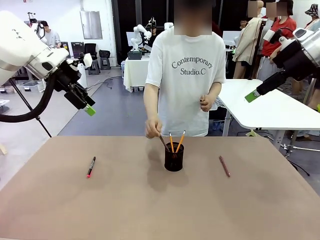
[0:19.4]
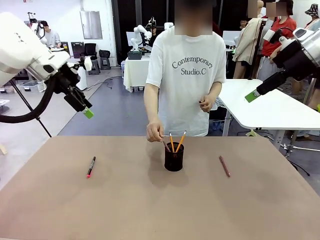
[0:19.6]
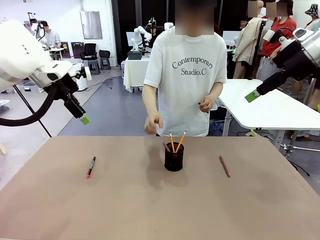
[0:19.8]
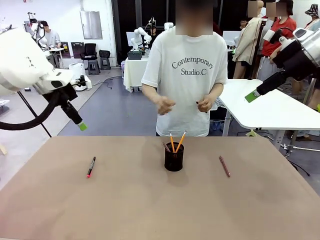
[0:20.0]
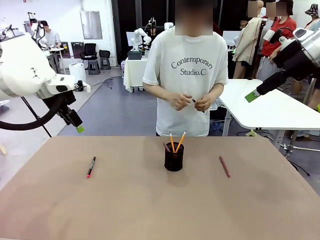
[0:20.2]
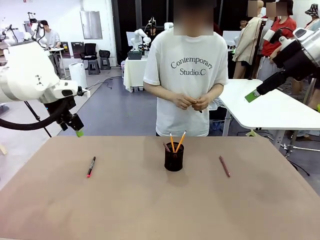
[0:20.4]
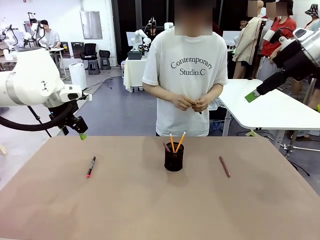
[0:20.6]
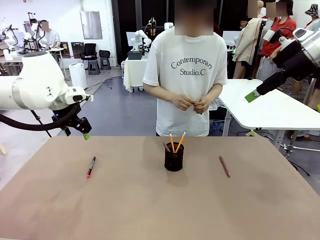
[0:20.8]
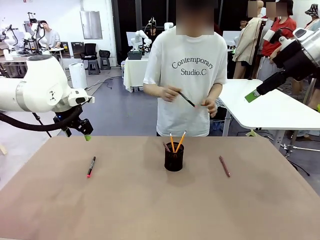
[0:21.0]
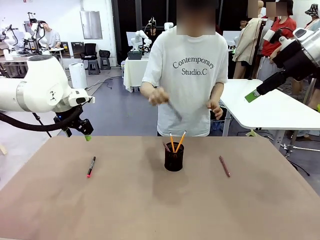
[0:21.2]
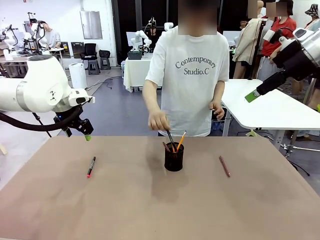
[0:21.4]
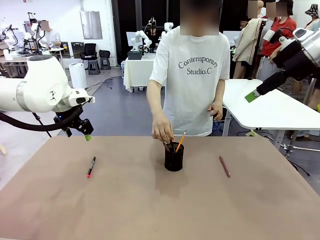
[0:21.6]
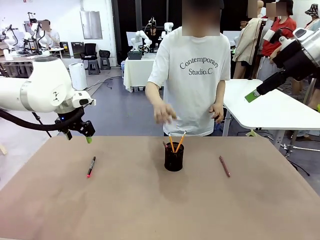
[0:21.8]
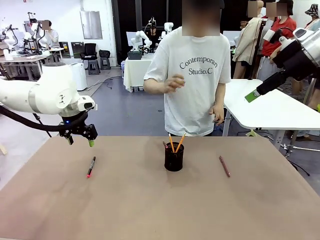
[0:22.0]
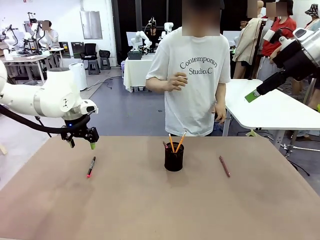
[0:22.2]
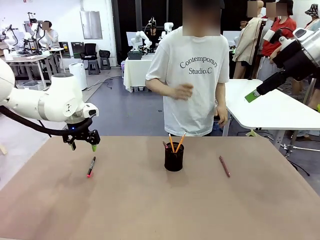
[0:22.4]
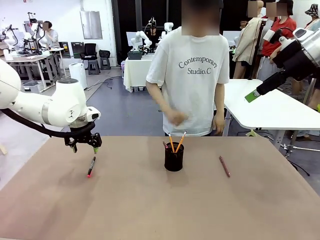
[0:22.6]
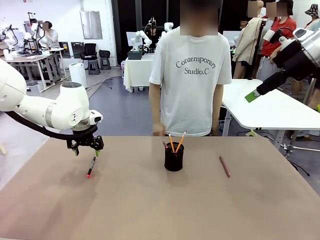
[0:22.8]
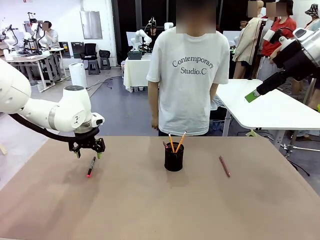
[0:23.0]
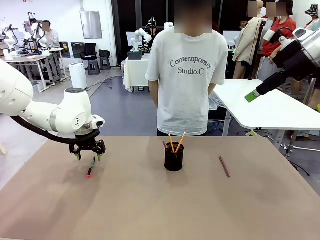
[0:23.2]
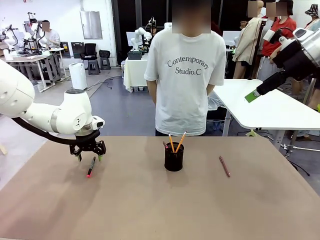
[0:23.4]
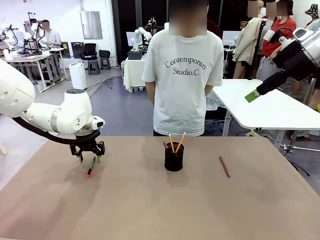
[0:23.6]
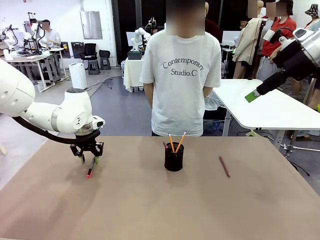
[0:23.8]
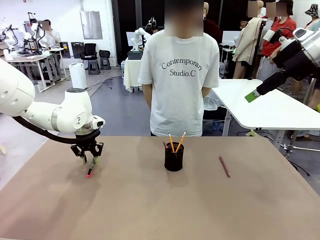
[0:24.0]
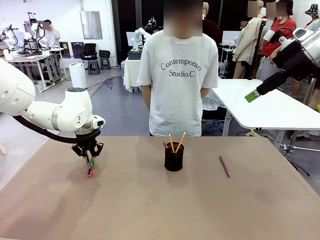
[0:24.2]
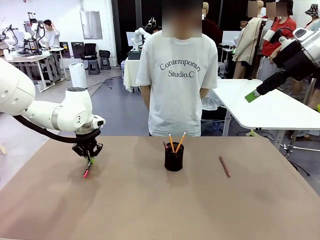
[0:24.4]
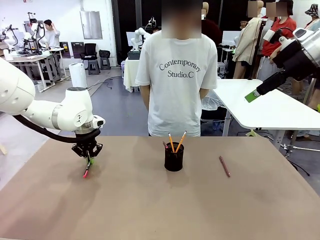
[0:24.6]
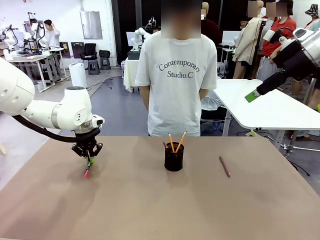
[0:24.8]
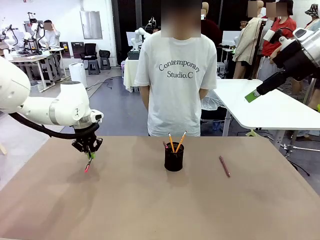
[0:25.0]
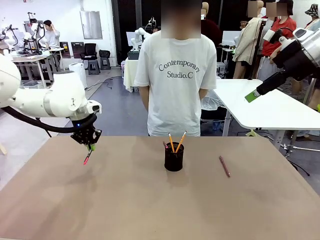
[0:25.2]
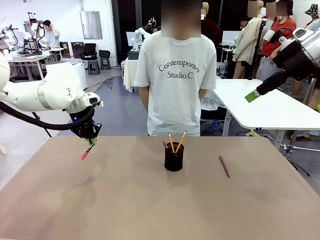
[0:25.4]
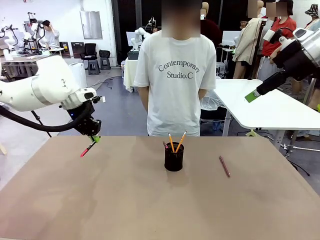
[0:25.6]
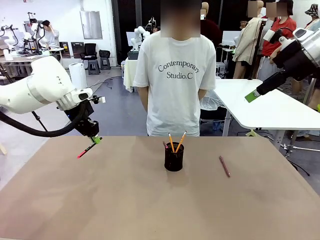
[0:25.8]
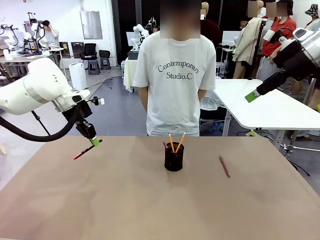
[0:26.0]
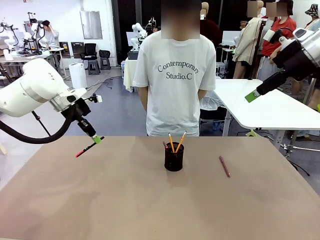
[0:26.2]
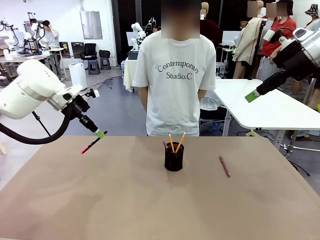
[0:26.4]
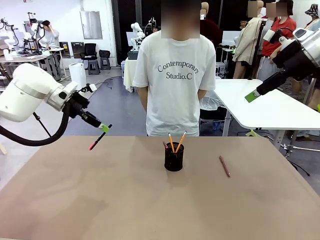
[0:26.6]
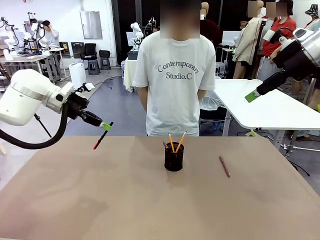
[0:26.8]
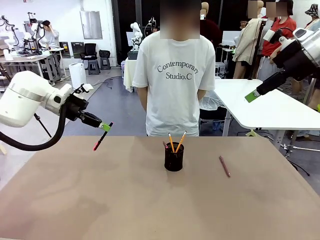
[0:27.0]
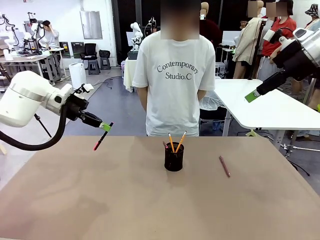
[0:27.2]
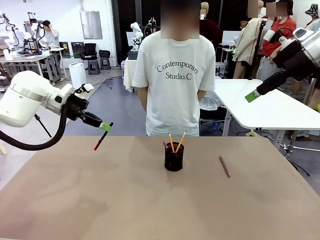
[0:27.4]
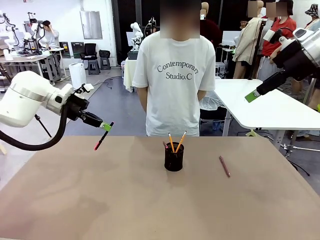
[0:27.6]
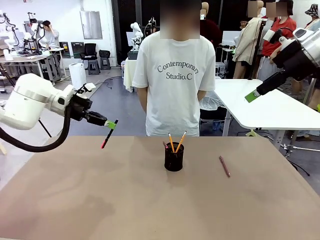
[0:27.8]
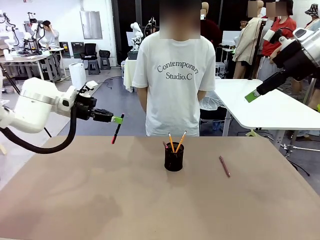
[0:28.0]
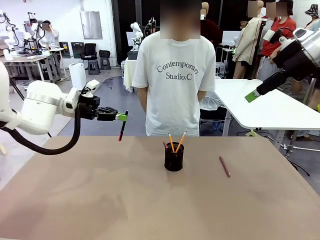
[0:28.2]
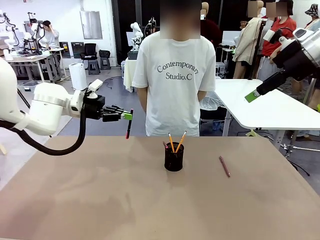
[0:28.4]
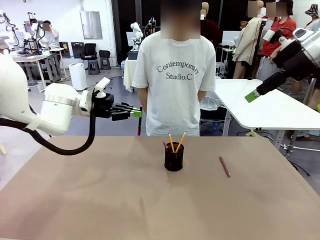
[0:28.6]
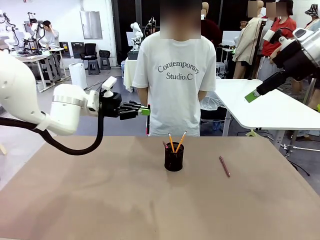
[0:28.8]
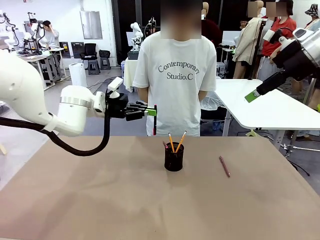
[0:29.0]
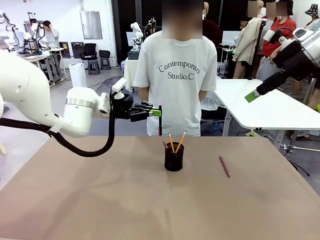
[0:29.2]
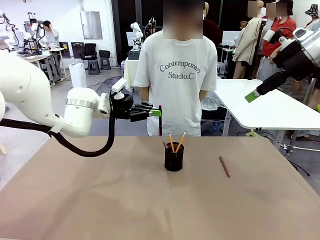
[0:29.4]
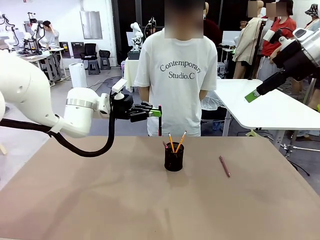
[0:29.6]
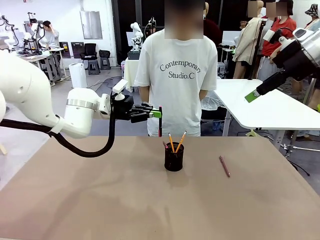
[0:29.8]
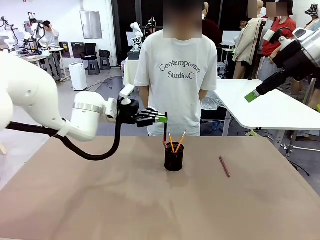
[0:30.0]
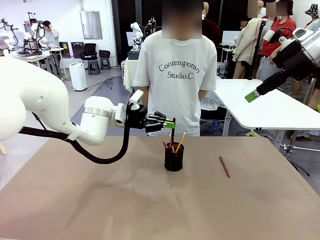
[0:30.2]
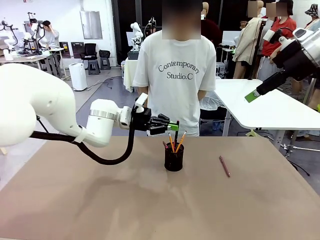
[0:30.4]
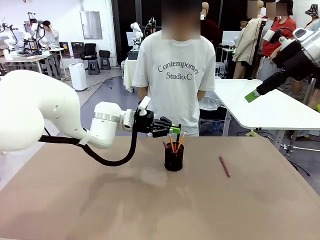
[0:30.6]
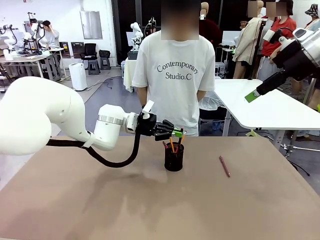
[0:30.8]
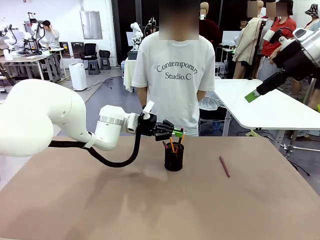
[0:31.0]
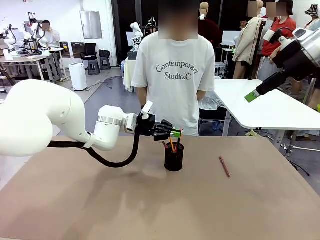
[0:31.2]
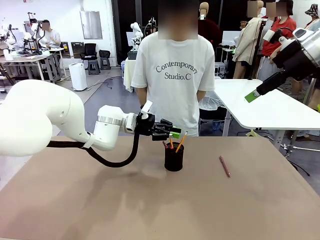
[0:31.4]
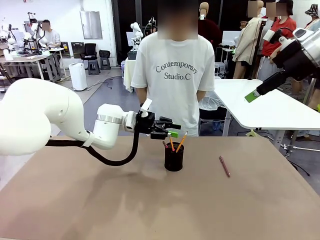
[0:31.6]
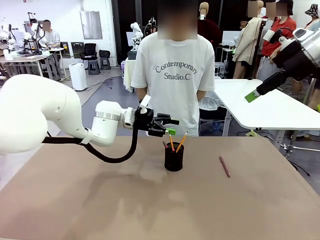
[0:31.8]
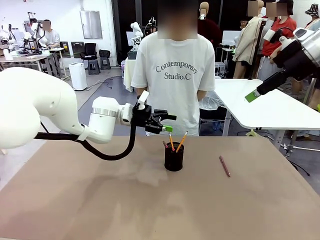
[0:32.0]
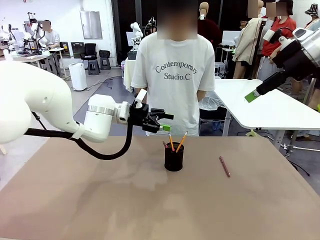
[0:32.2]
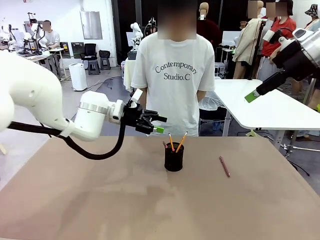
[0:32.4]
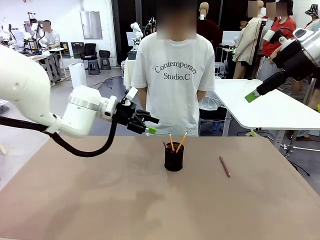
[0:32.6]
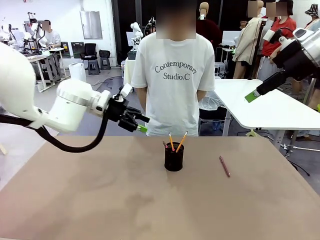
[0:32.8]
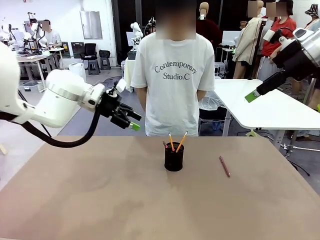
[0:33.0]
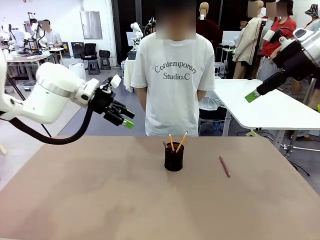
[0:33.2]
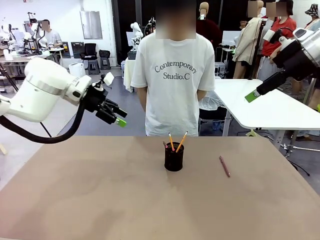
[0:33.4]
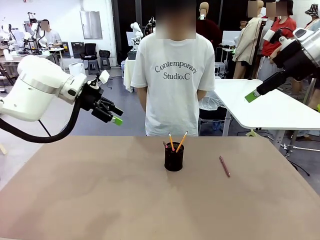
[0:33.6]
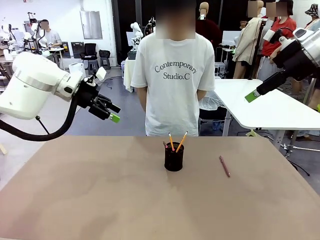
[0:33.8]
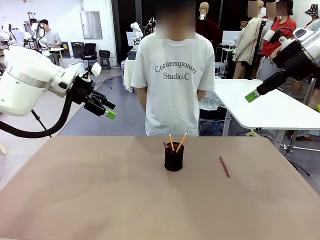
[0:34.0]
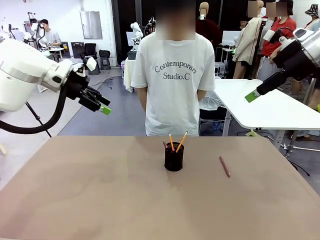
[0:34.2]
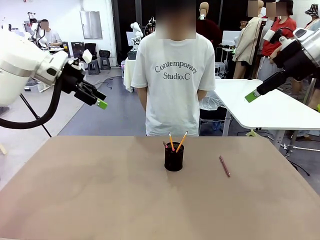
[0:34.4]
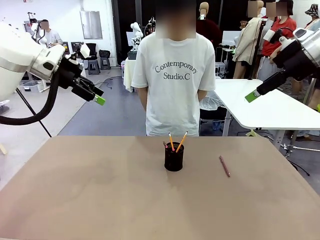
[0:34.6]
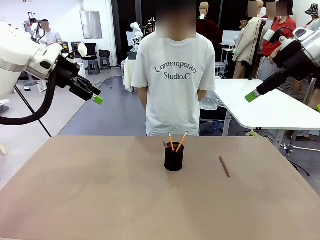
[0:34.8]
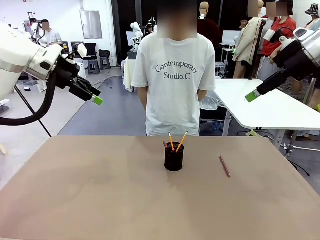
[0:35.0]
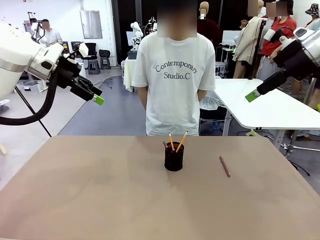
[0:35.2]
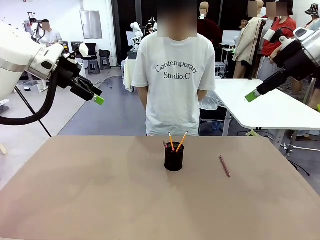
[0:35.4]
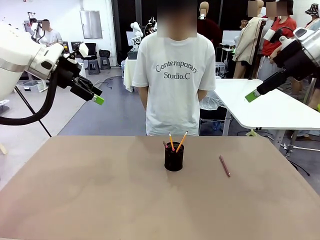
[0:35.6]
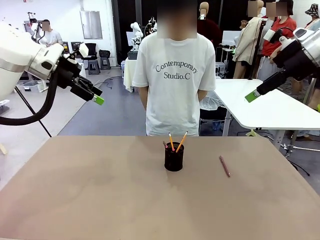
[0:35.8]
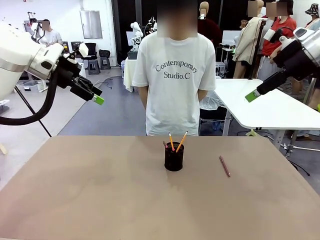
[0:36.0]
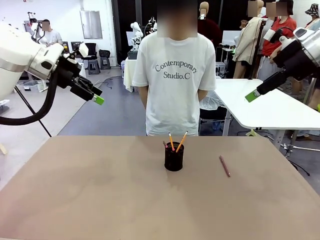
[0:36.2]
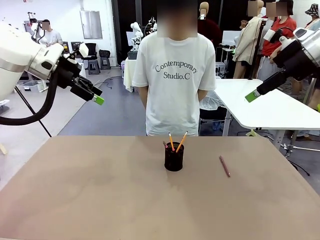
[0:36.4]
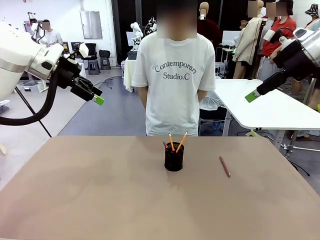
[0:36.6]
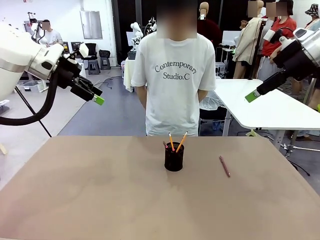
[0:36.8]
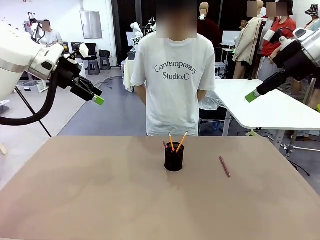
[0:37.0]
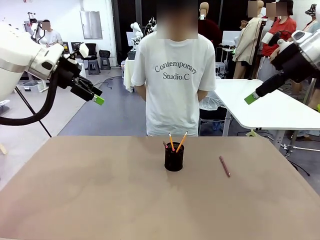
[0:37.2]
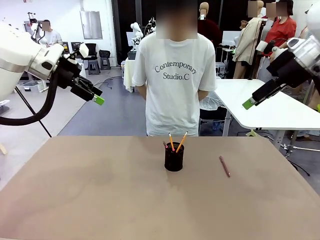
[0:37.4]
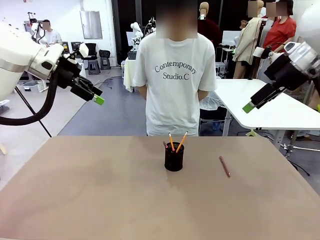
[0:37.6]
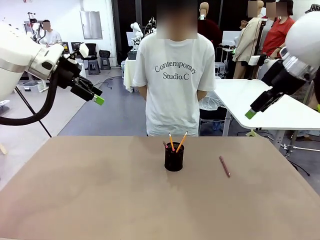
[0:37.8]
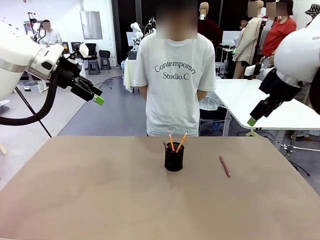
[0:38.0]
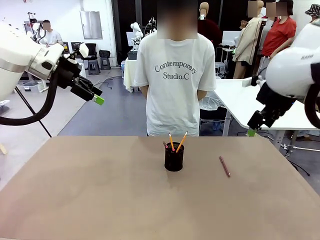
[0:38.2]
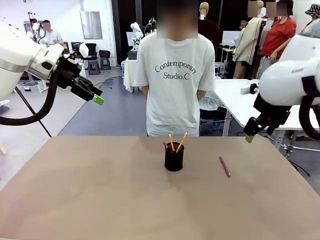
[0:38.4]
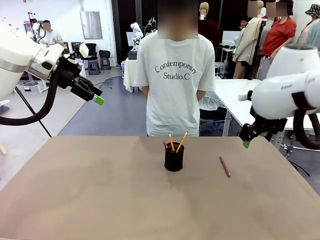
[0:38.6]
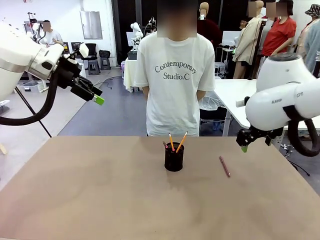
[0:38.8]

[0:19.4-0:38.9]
Task: Place the pens into the pen holder.
Robot: Pick up a writing instrument from the table and place it into the Pen holder.
